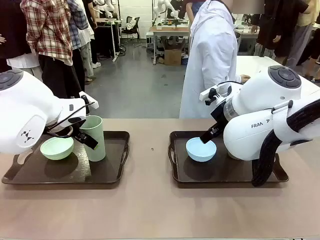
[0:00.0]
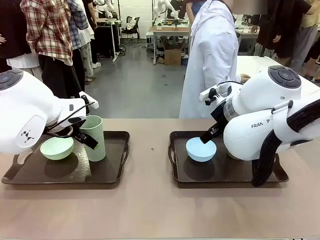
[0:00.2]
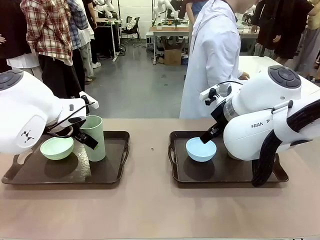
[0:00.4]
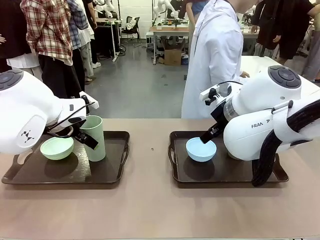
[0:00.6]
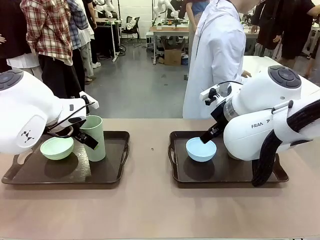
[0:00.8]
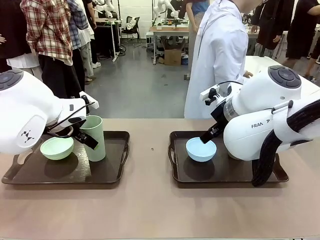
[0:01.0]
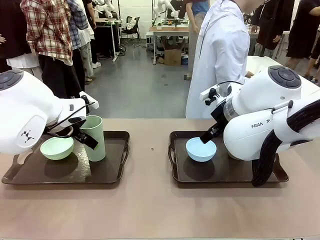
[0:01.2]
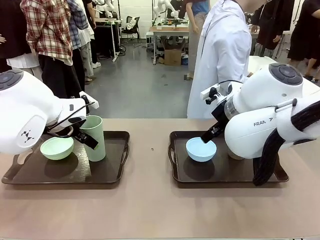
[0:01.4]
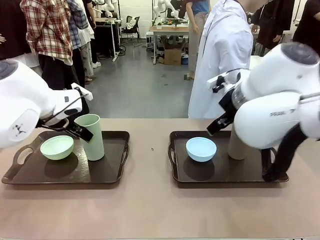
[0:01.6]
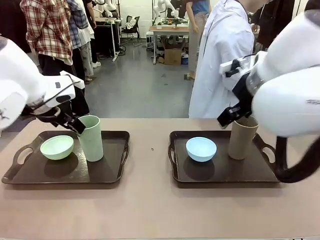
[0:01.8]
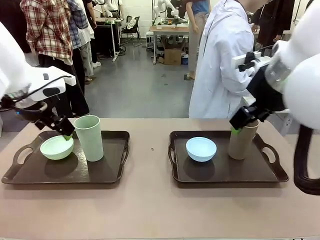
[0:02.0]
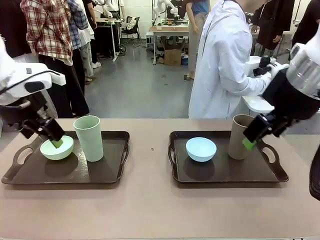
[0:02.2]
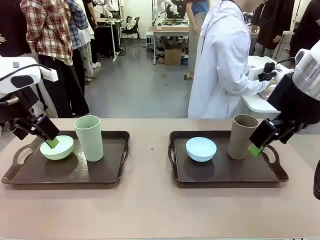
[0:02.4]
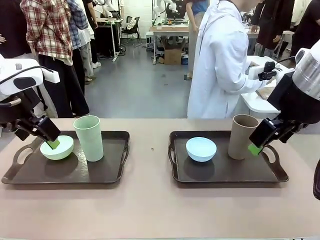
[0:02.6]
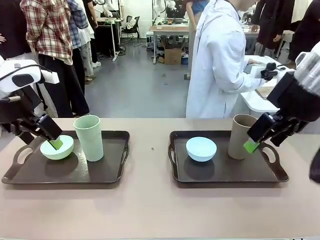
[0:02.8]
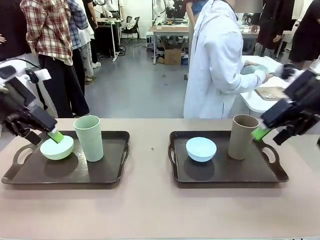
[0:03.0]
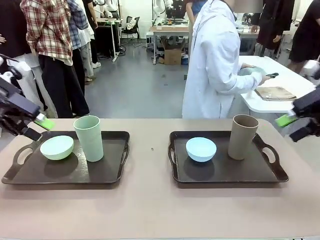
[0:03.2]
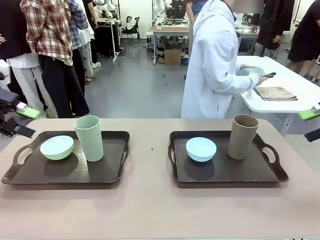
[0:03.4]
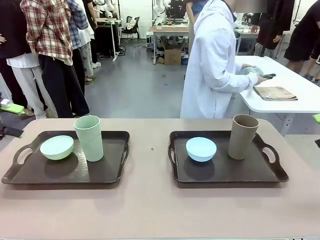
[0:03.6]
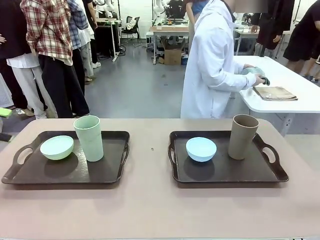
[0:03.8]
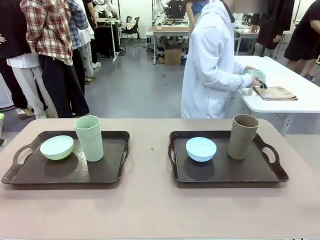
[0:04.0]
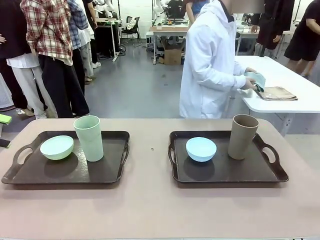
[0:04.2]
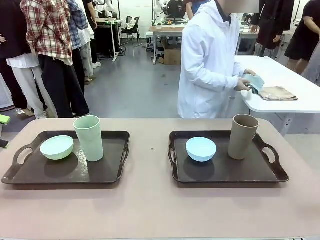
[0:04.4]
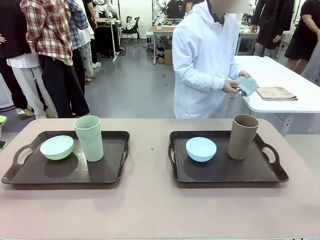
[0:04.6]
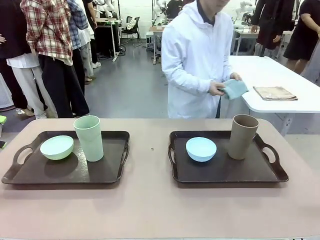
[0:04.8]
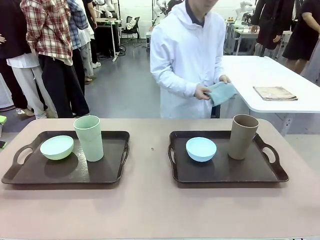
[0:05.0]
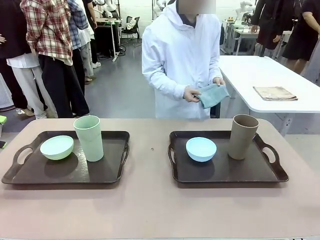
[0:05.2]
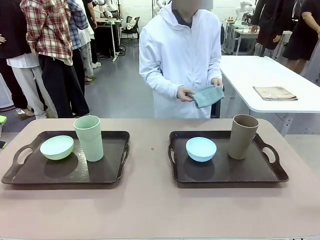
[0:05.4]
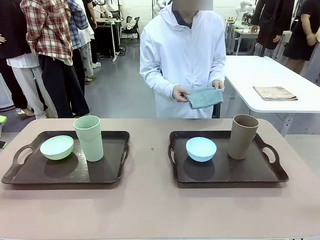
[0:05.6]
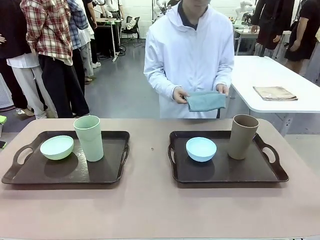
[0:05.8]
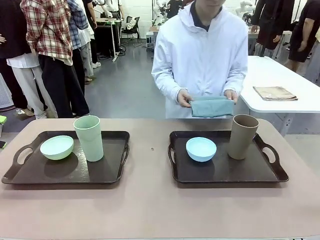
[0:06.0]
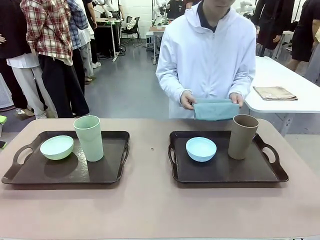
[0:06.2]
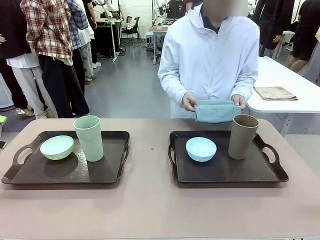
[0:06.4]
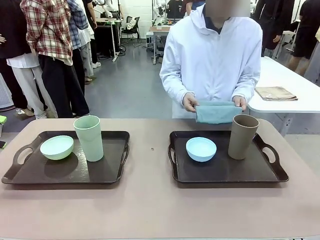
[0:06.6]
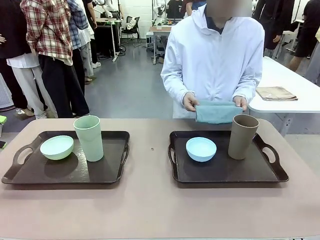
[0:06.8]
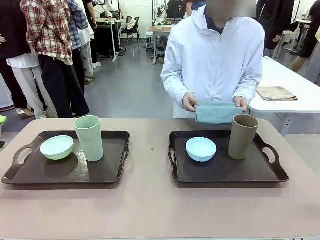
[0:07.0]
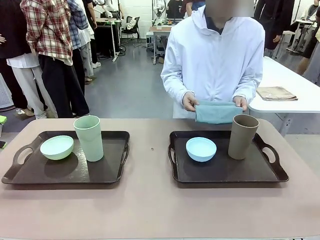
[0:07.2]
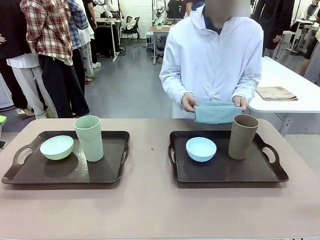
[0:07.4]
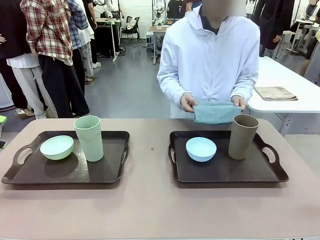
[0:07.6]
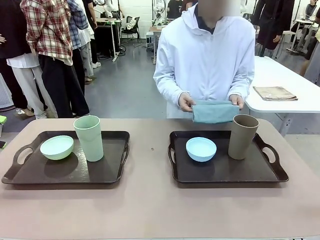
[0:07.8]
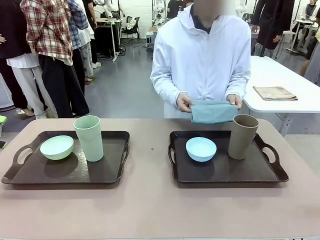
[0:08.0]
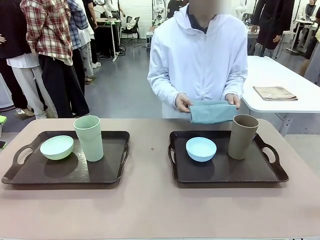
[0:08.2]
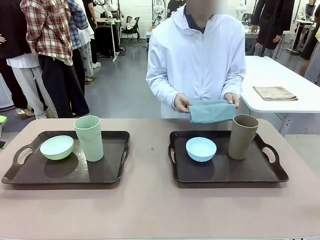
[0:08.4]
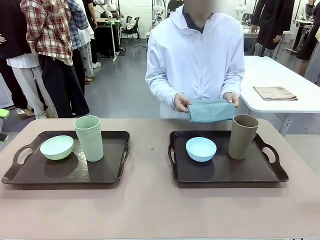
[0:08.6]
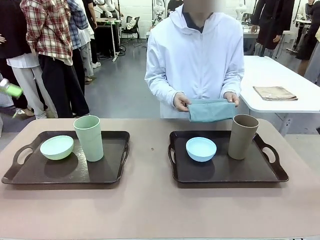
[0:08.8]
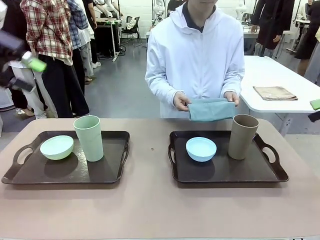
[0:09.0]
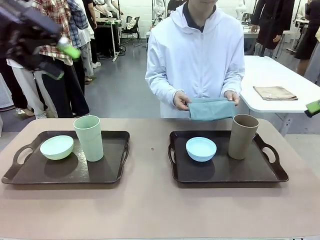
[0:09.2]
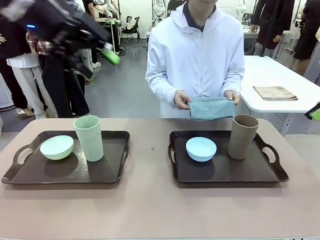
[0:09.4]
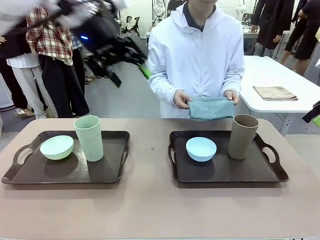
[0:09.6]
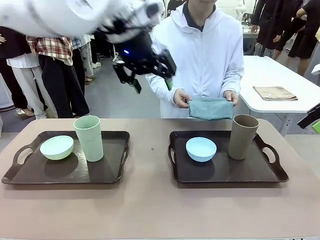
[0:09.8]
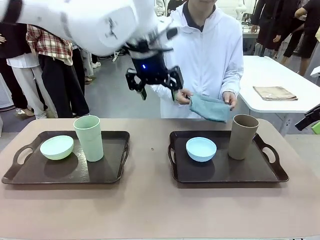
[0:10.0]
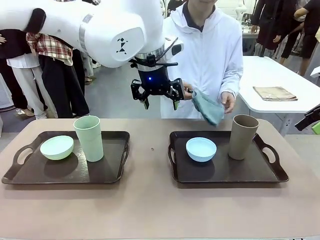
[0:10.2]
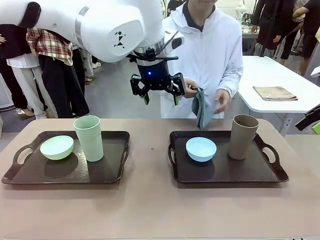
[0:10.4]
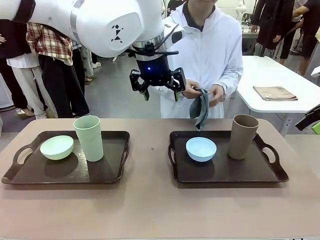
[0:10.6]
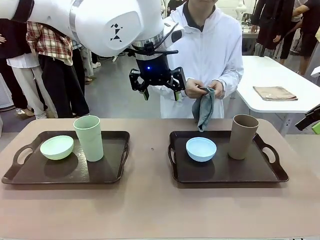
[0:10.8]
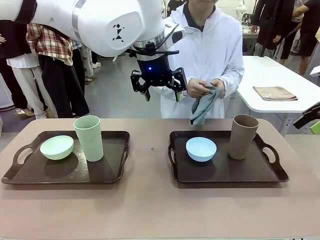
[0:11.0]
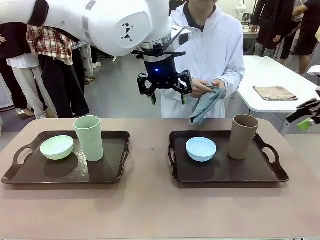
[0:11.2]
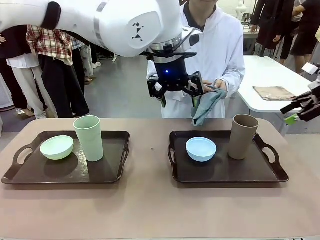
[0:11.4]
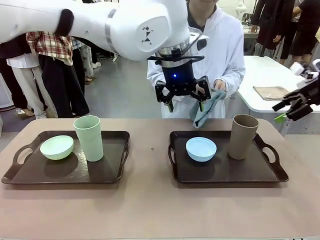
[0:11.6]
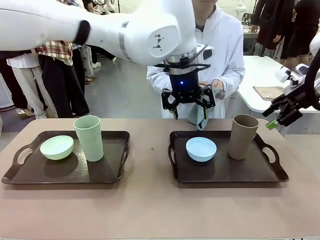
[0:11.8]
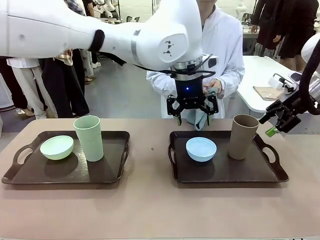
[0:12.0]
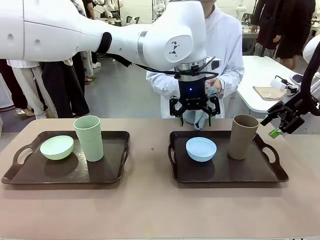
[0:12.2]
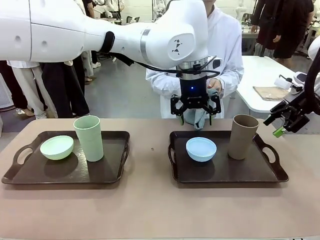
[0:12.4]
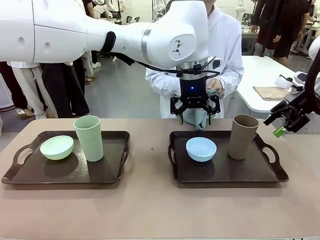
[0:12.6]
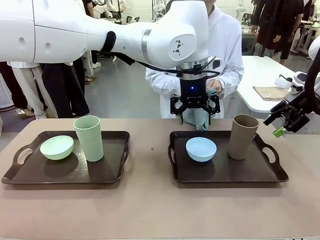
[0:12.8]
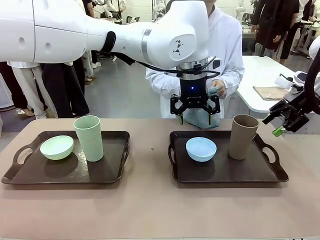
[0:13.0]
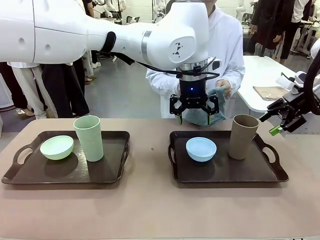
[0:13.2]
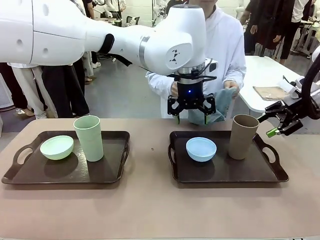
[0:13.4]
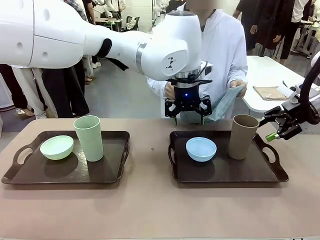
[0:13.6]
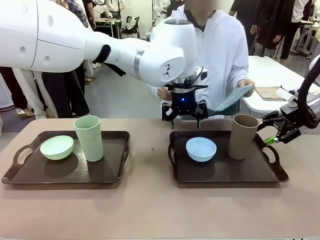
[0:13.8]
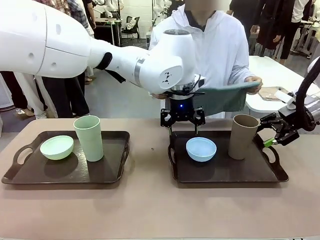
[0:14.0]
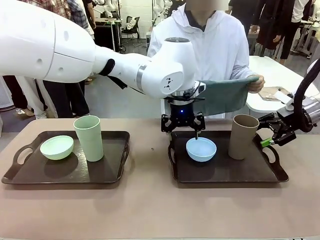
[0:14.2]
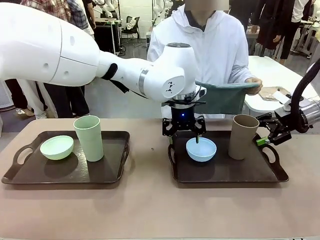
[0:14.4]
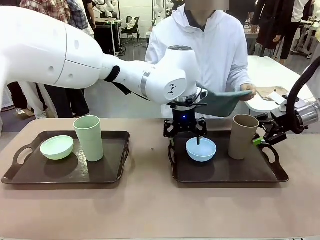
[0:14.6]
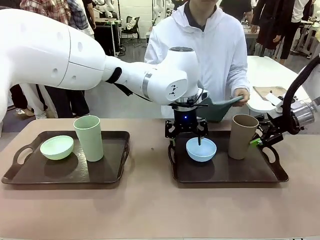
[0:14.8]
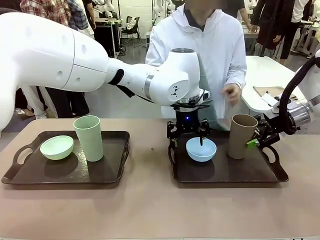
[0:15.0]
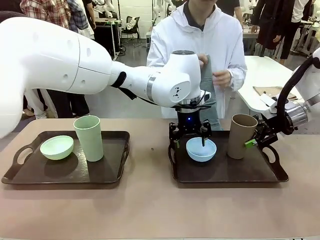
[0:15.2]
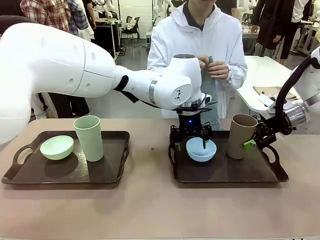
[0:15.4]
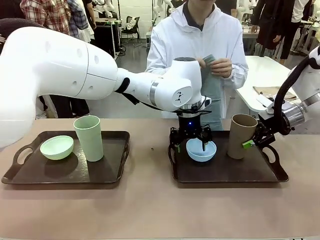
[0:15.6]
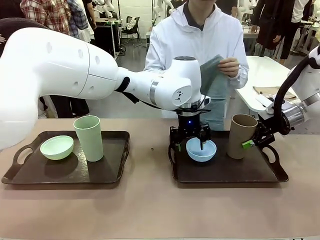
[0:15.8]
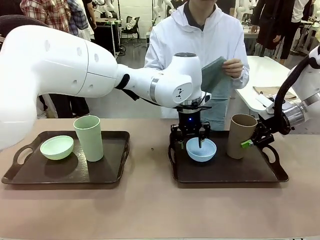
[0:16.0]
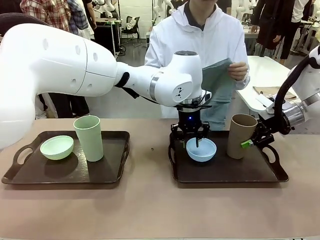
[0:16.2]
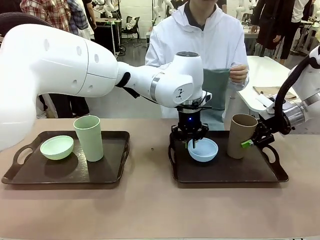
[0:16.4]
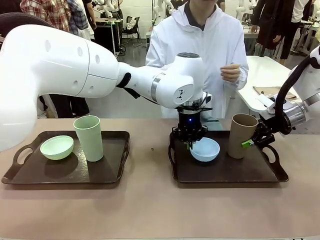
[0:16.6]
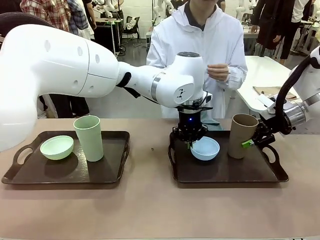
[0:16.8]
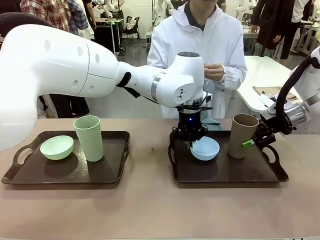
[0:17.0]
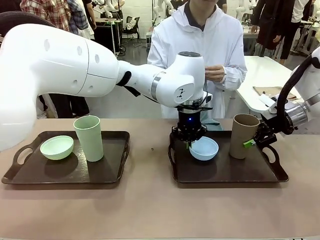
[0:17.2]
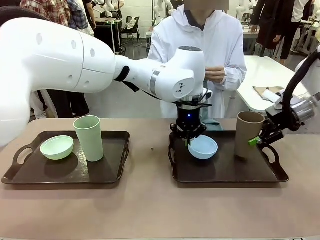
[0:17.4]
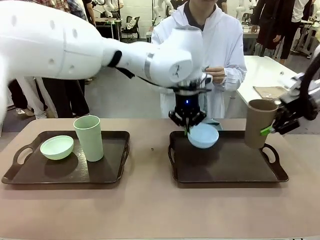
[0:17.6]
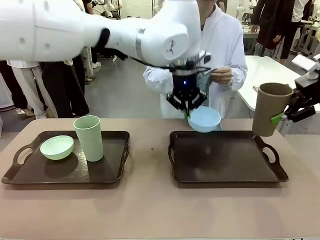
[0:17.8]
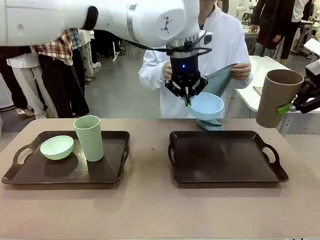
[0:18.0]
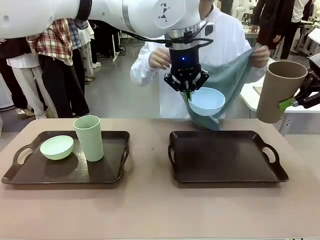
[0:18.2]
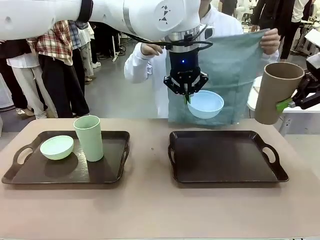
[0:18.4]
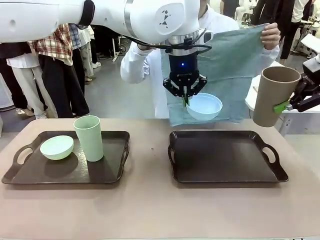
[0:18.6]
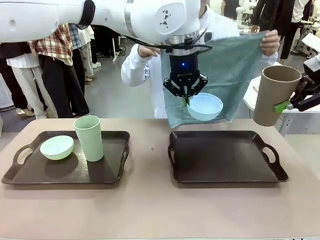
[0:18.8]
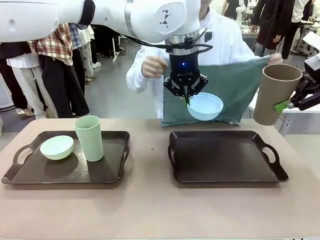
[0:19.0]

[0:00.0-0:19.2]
Robot: Pick up the Picnic Bowl and Reusable plastic cup from the Handle tray in front of the human's position and hold them in the air.
Person: The human picks up the top napkin from the stack on the human table and walks to the robot table to stand in front of one of the two trays. When the robot lifts the bowl and the cup, the human unfolds the napkin and lays the napkin flat on the tray.
